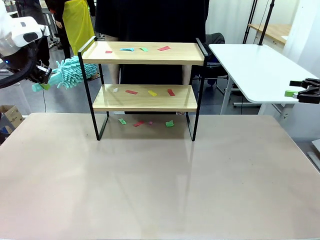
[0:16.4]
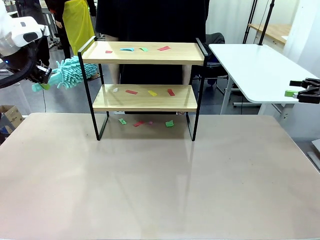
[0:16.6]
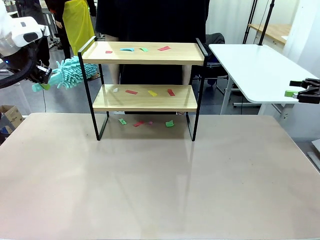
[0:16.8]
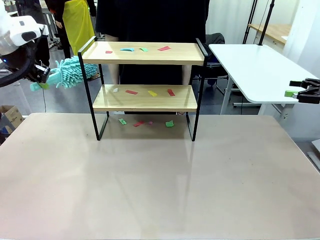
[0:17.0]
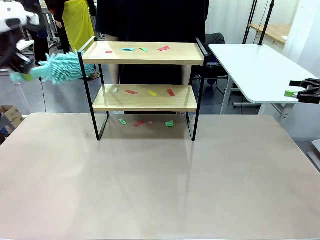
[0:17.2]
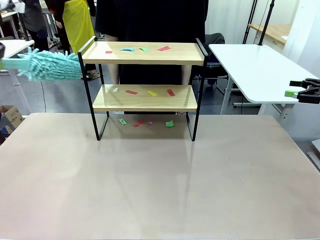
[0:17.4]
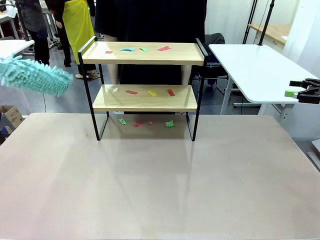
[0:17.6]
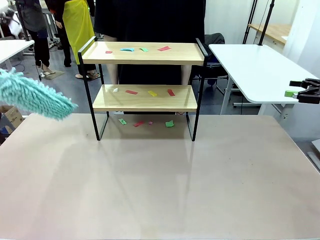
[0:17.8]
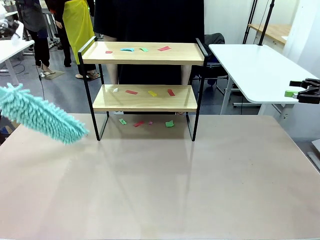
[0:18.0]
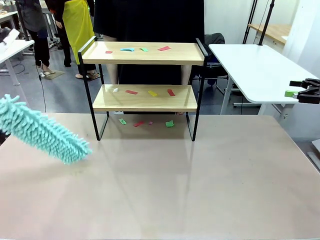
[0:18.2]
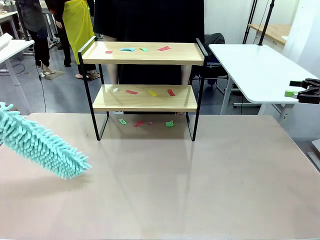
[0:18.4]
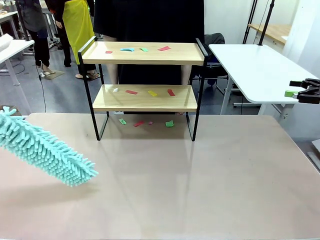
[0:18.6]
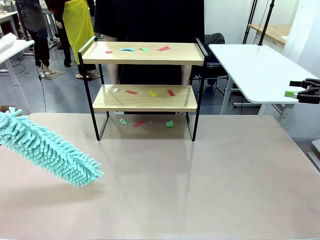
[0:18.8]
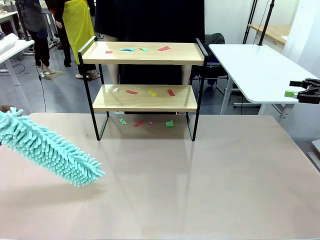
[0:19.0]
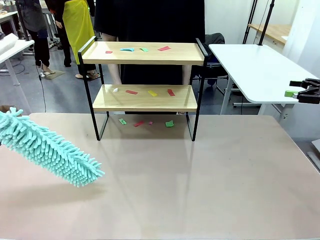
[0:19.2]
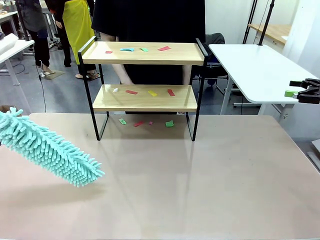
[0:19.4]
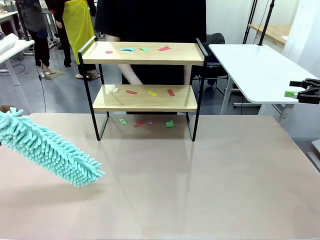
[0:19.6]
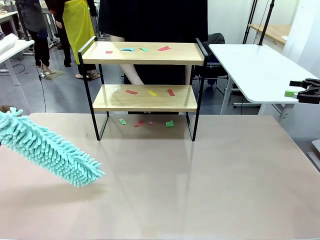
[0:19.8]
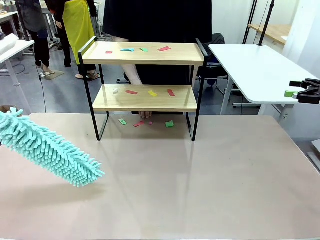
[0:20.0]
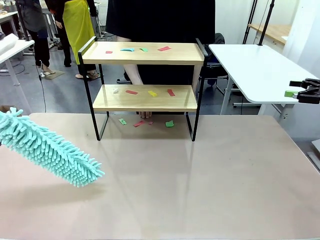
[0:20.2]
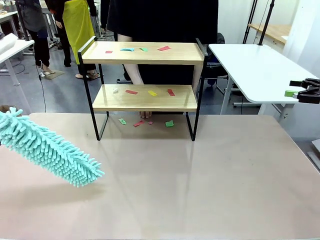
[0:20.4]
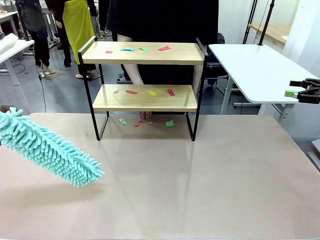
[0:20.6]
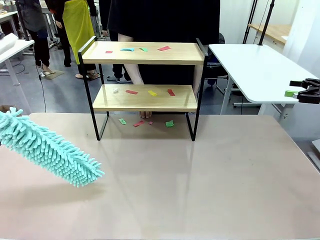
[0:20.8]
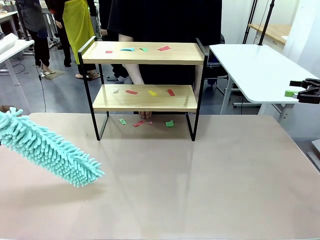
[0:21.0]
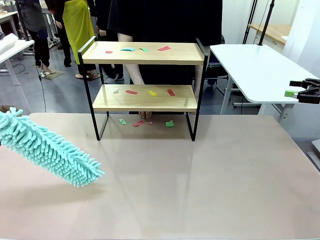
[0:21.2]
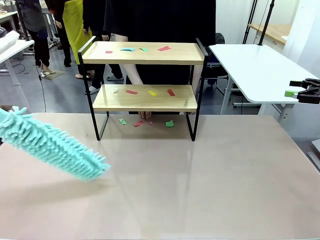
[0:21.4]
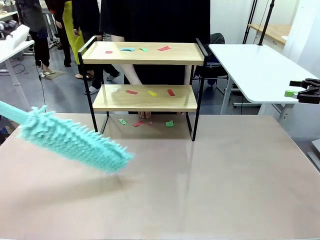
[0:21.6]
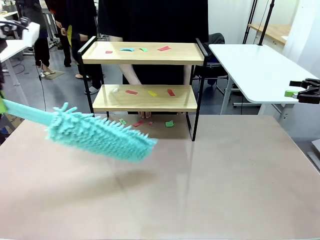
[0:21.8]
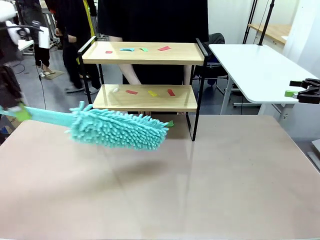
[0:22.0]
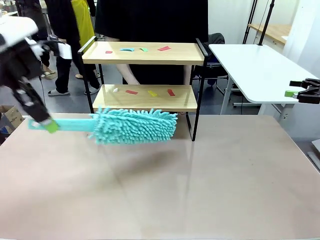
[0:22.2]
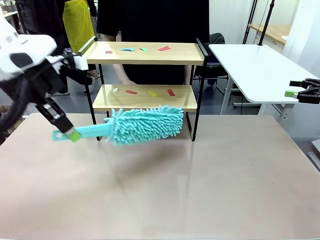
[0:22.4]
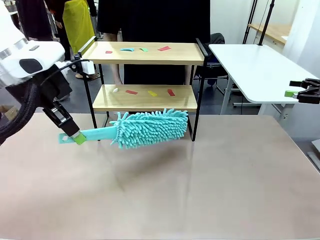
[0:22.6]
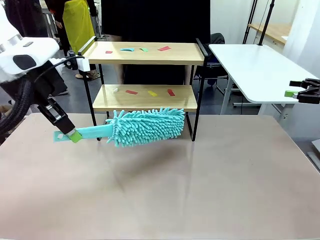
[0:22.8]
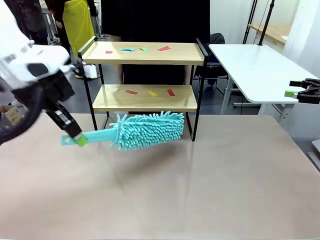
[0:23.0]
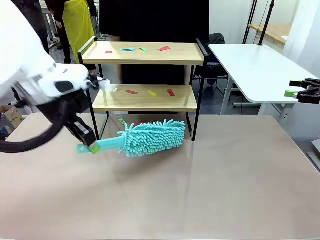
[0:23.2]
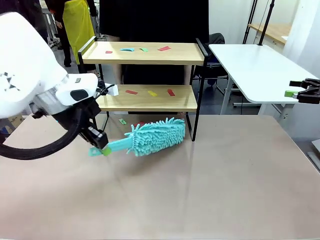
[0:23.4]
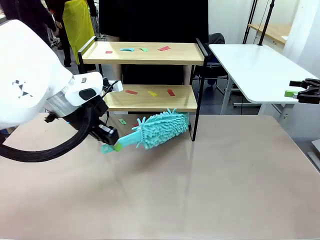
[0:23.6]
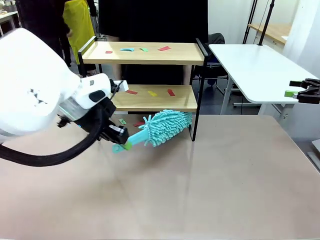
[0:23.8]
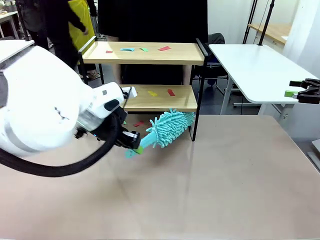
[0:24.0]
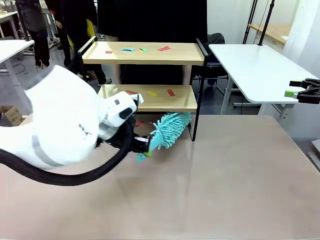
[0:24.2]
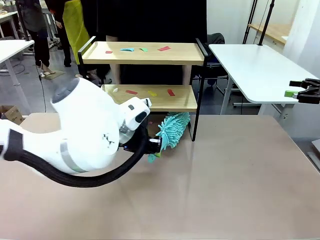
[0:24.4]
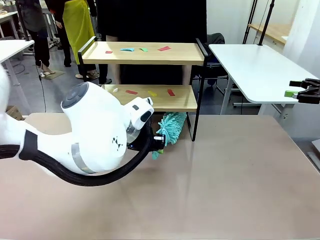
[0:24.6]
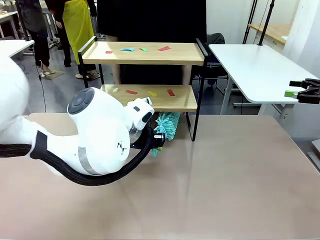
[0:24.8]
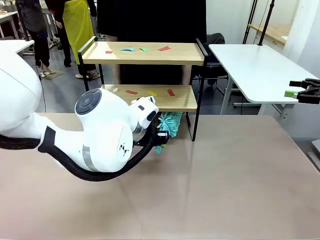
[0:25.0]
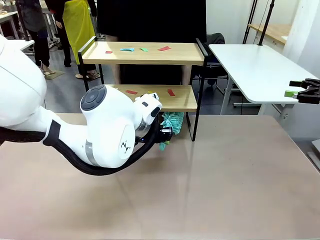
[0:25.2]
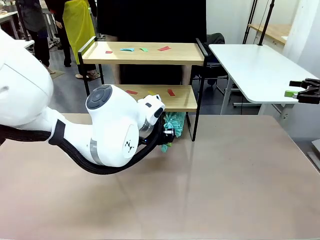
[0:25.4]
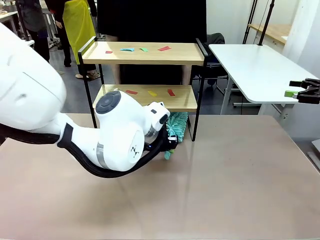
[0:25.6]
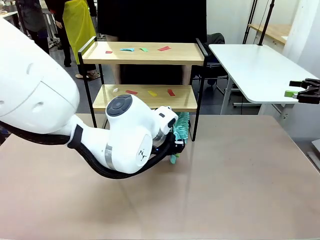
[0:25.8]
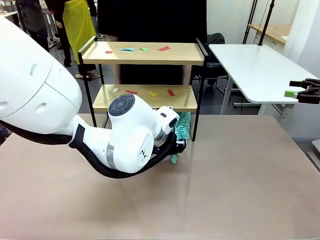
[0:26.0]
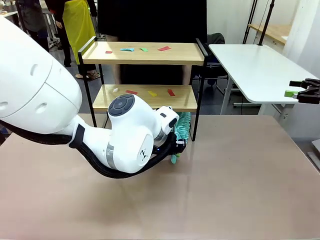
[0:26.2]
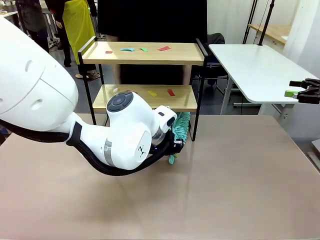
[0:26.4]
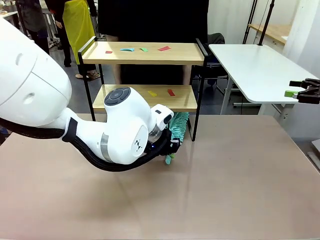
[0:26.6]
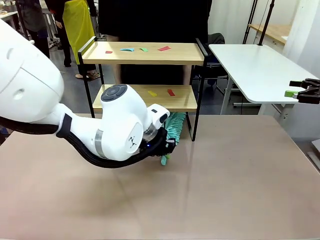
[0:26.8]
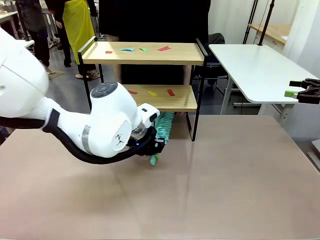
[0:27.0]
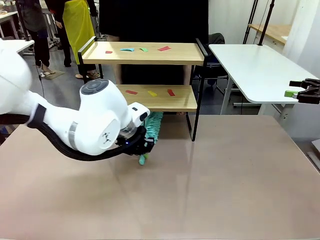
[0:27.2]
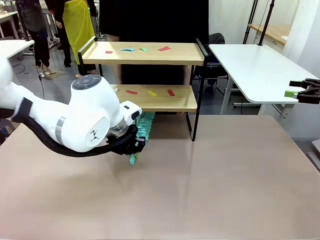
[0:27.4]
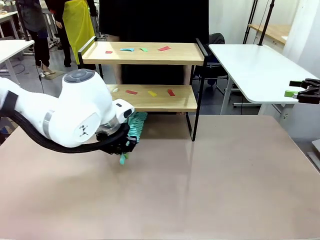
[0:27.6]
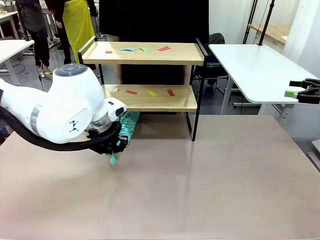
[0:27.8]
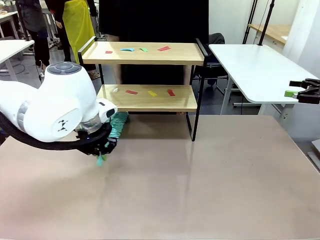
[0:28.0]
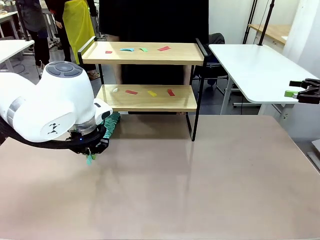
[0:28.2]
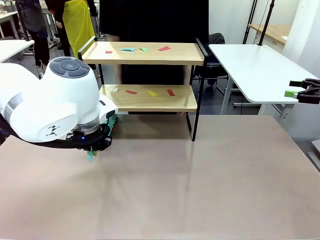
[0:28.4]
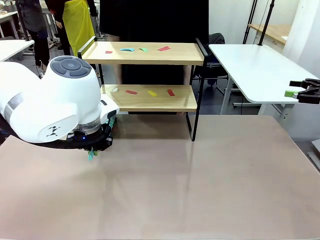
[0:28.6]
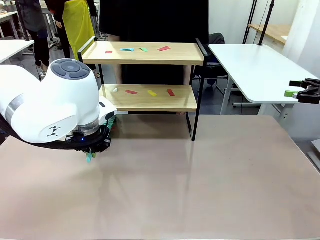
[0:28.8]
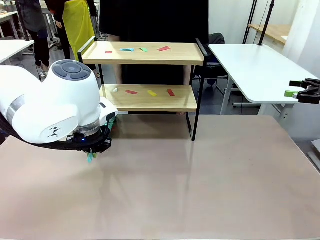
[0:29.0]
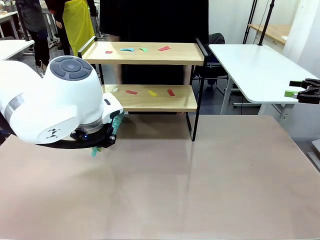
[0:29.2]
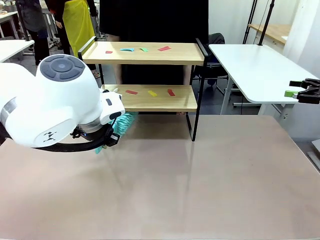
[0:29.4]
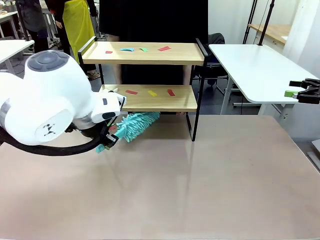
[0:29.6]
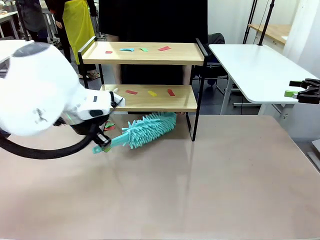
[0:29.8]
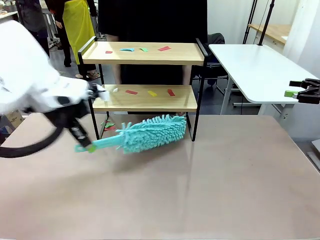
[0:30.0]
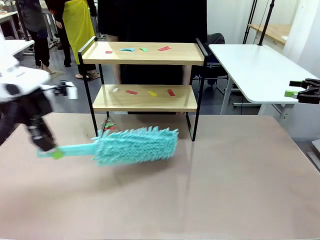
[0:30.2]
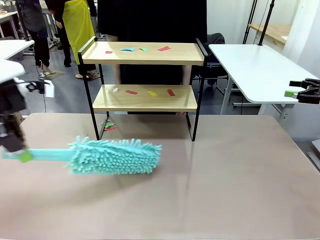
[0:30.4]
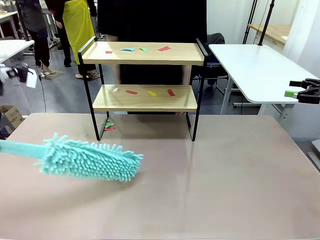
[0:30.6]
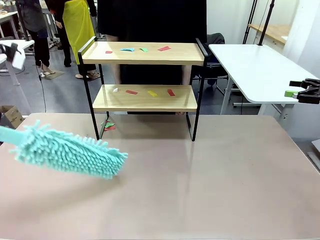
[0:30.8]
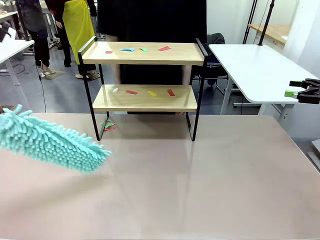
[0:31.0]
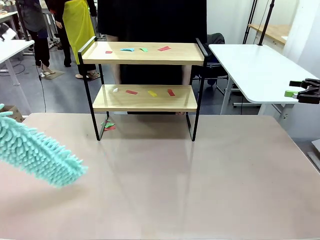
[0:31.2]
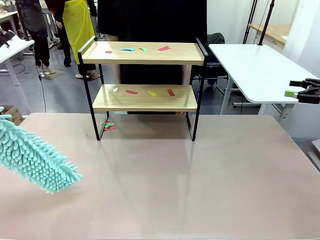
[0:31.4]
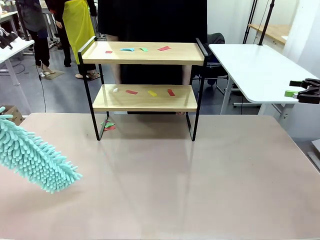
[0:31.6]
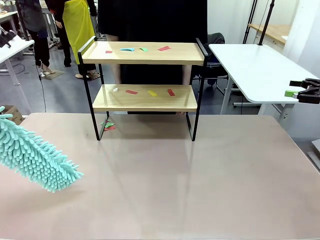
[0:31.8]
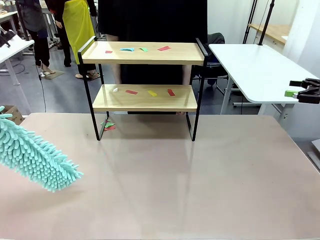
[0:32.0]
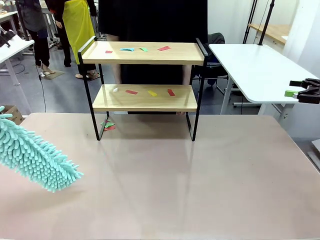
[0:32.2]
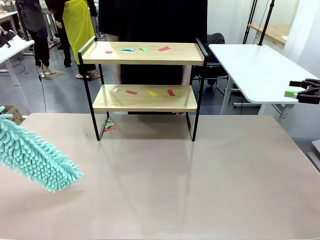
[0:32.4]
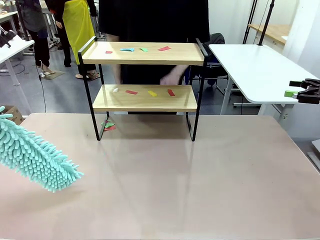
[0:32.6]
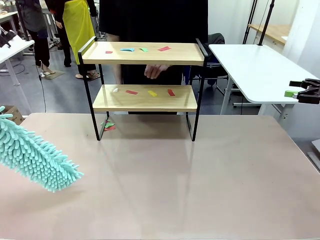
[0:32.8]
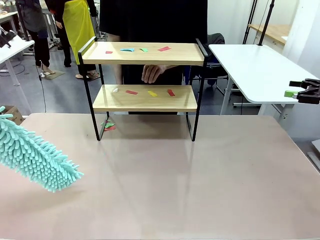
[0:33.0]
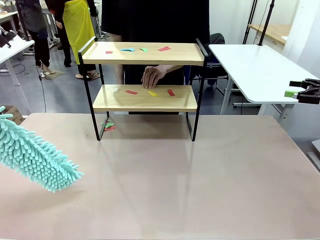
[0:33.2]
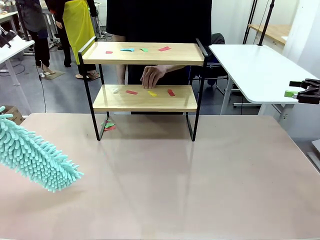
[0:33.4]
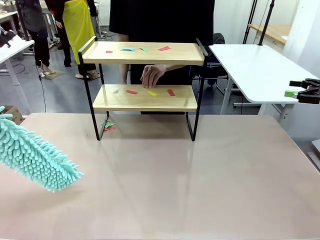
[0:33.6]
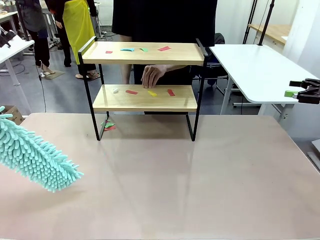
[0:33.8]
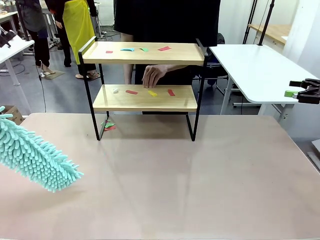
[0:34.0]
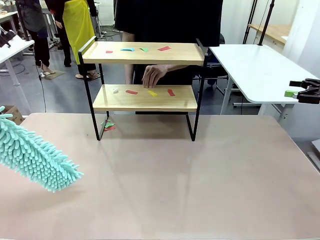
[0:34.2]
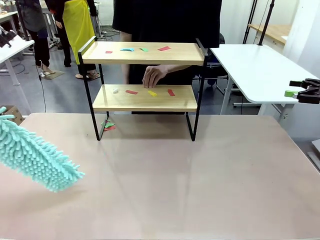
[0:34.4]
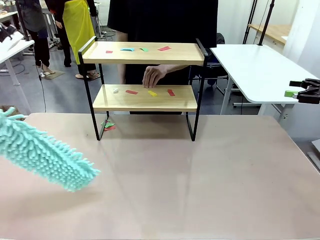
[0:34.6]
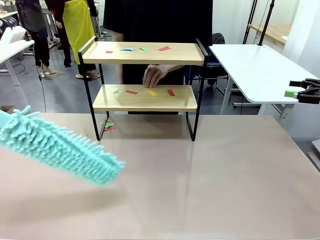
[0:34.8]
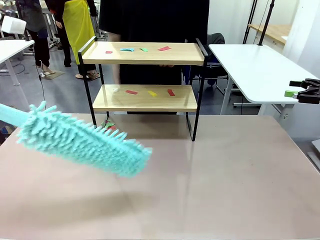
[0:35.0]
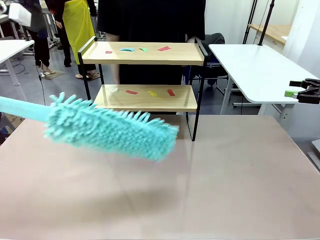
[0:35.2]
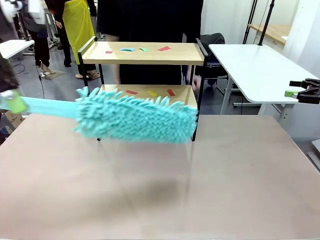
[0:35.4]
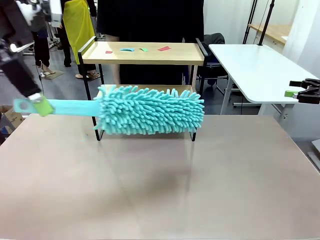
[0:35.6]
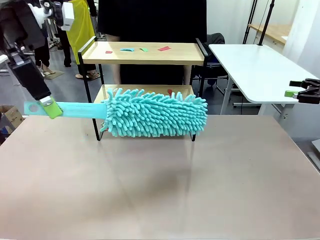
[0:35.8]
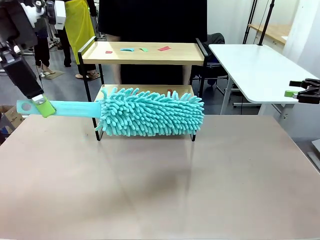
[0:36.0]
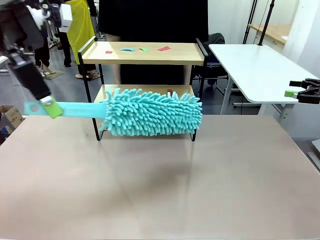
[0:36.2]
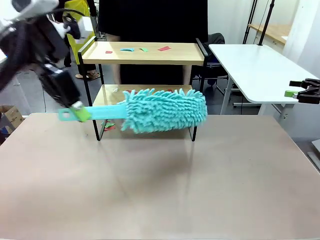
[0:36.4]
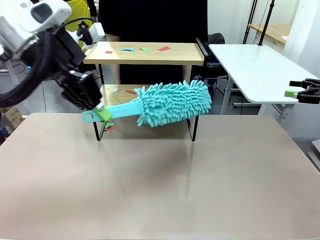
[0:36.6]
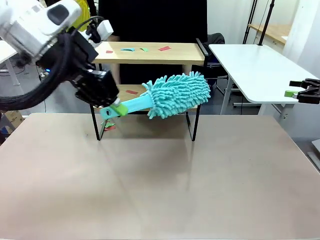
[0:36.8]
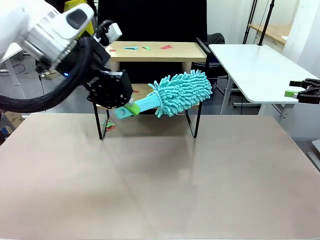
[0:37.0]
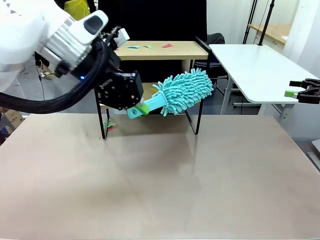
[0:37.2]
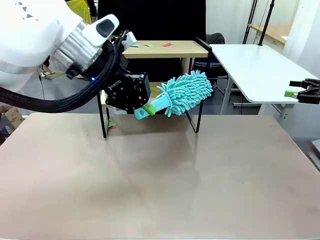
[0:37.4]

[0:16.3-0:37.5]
Task: Clean the shelf.
Robot: Clean the specific section of the Shelf indicated by the human with the Duster.
Person: Point a random section of the Shelf.
